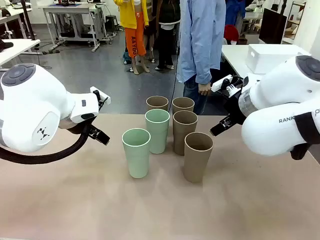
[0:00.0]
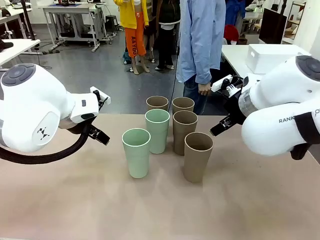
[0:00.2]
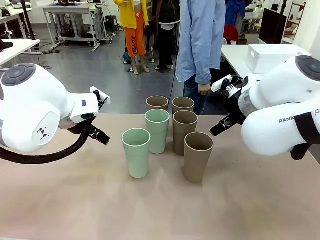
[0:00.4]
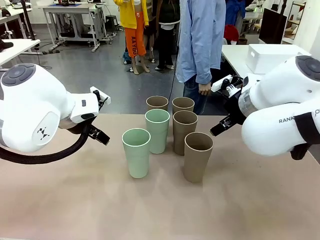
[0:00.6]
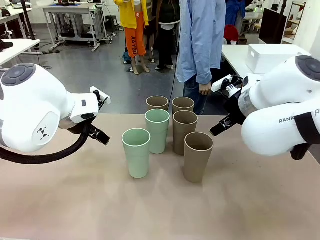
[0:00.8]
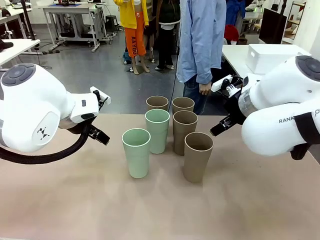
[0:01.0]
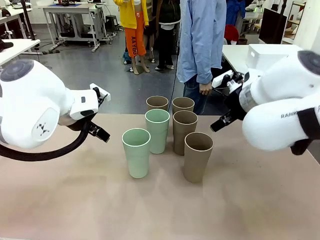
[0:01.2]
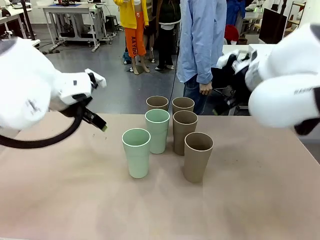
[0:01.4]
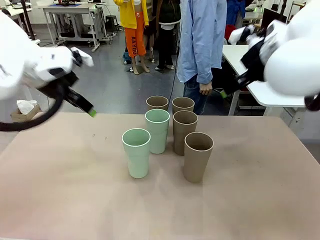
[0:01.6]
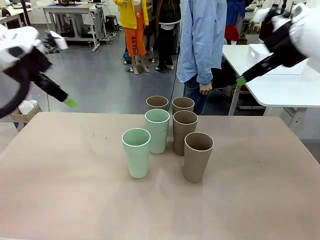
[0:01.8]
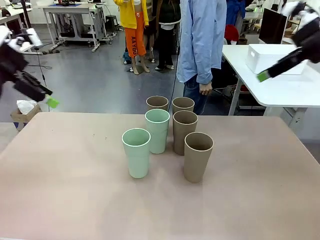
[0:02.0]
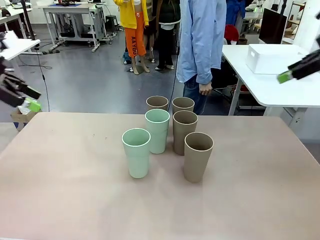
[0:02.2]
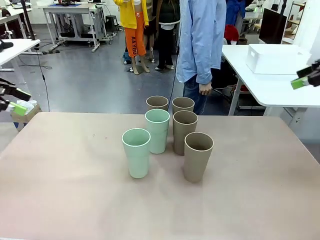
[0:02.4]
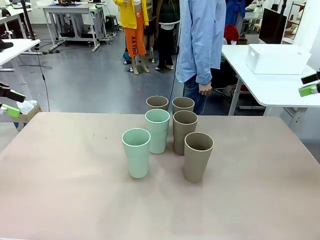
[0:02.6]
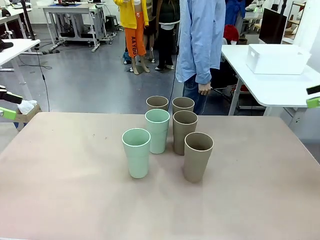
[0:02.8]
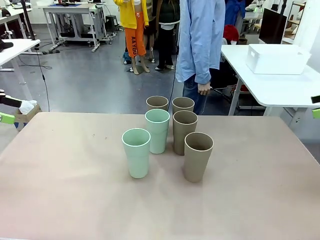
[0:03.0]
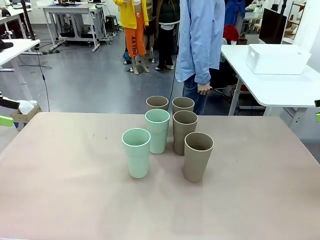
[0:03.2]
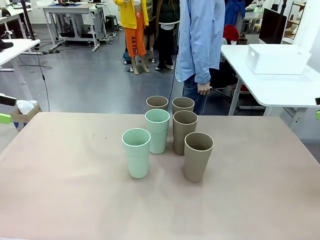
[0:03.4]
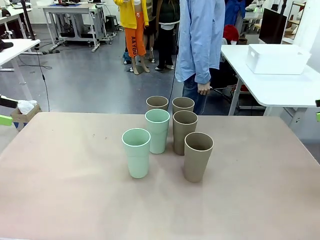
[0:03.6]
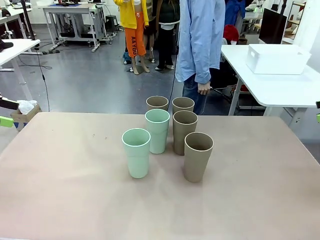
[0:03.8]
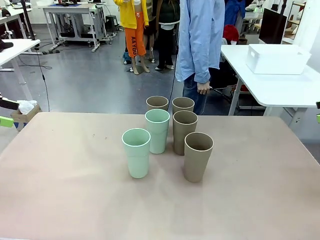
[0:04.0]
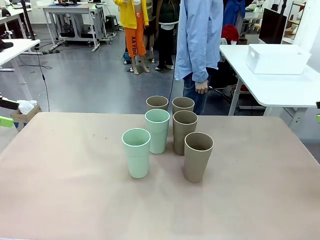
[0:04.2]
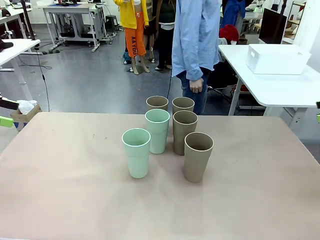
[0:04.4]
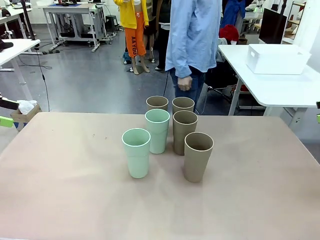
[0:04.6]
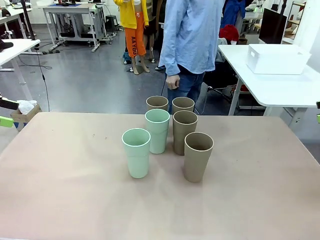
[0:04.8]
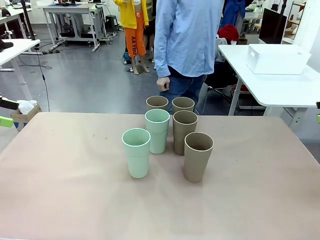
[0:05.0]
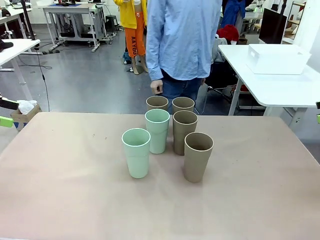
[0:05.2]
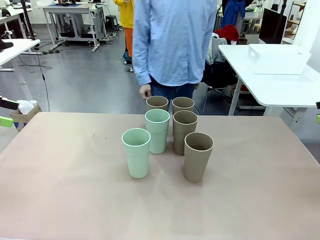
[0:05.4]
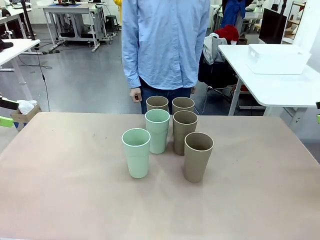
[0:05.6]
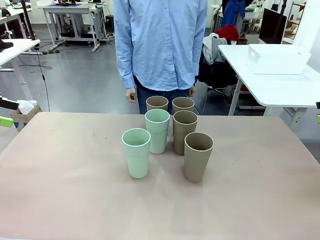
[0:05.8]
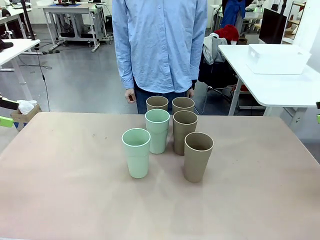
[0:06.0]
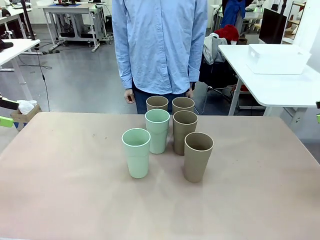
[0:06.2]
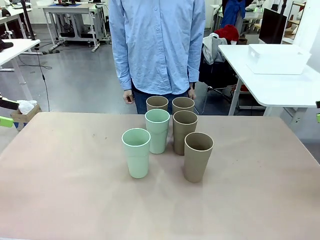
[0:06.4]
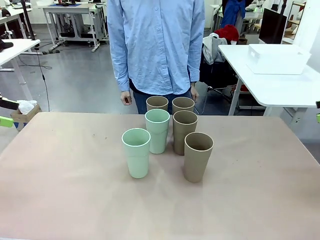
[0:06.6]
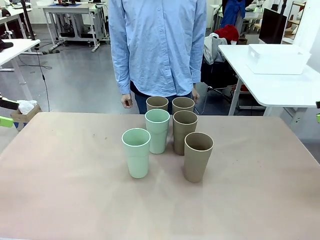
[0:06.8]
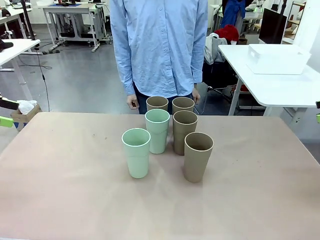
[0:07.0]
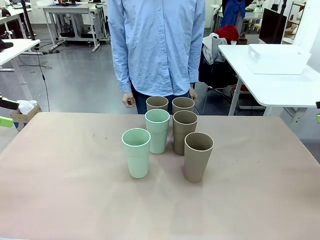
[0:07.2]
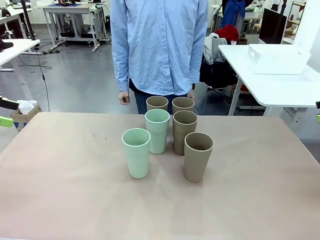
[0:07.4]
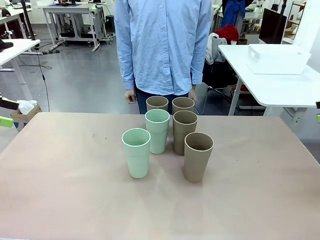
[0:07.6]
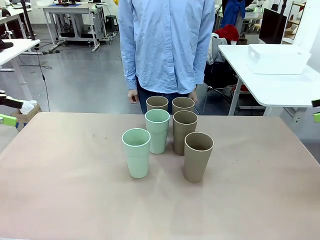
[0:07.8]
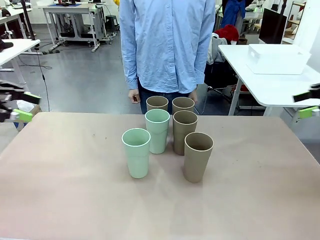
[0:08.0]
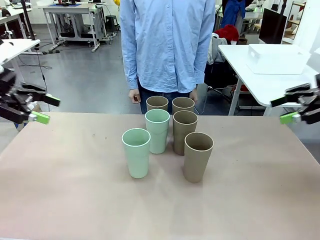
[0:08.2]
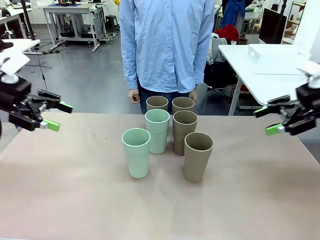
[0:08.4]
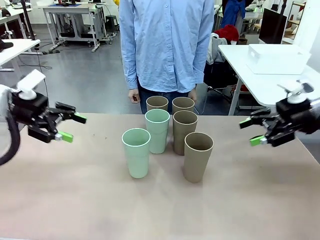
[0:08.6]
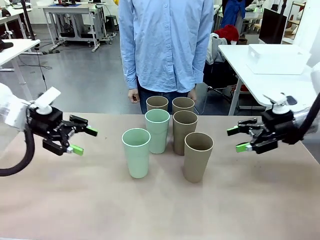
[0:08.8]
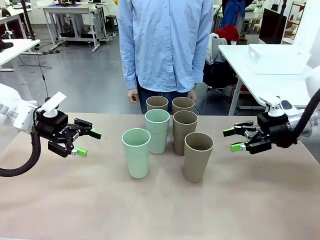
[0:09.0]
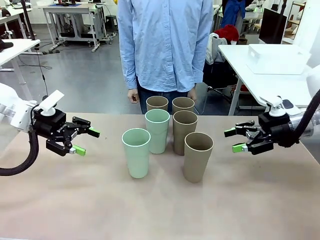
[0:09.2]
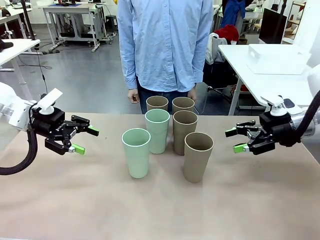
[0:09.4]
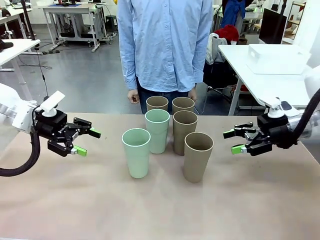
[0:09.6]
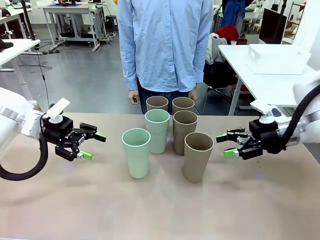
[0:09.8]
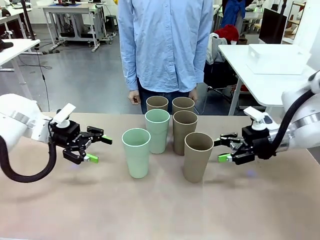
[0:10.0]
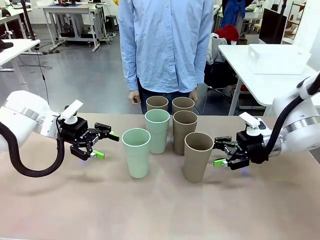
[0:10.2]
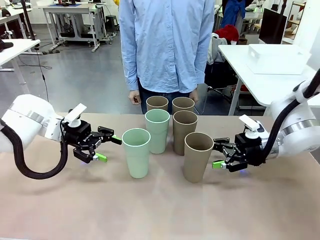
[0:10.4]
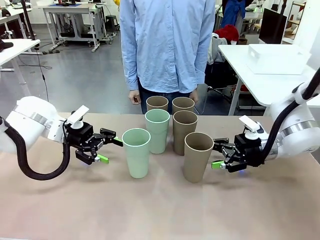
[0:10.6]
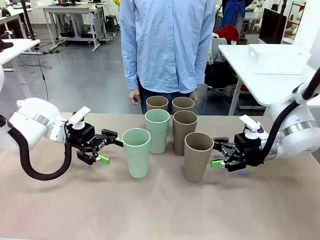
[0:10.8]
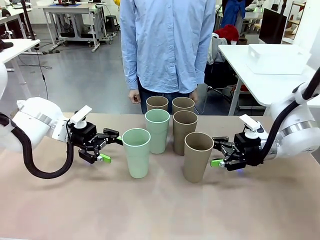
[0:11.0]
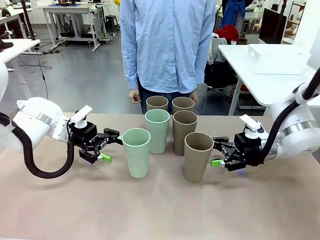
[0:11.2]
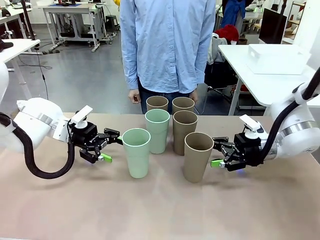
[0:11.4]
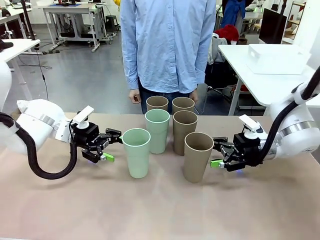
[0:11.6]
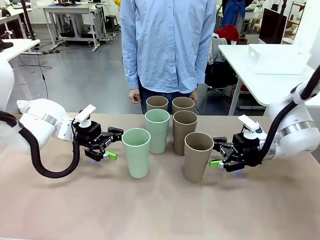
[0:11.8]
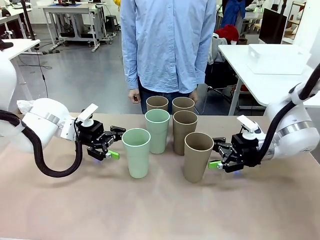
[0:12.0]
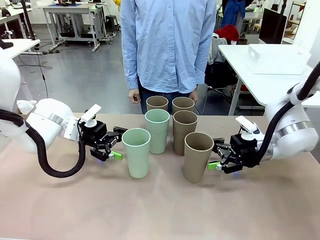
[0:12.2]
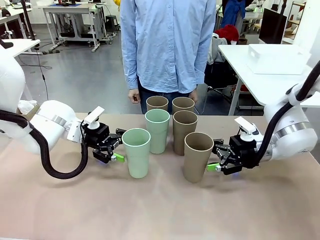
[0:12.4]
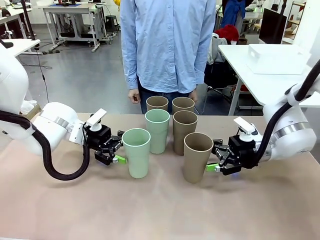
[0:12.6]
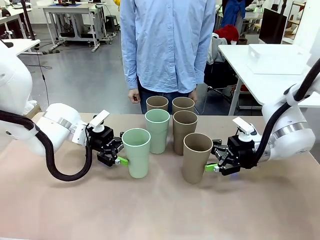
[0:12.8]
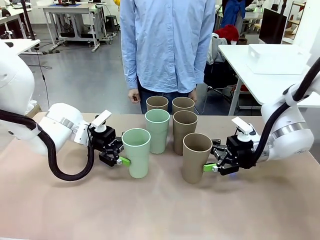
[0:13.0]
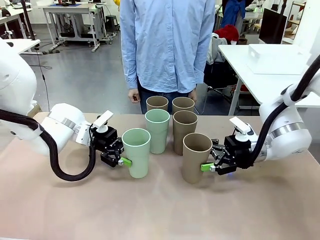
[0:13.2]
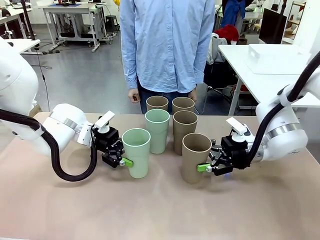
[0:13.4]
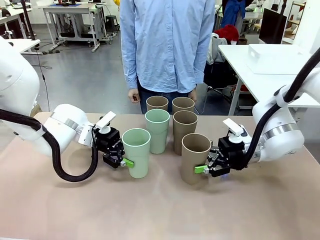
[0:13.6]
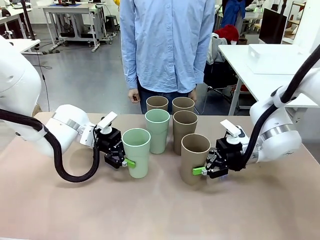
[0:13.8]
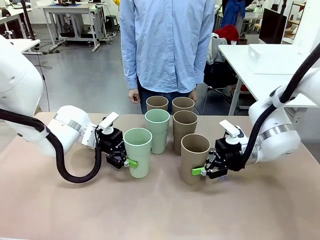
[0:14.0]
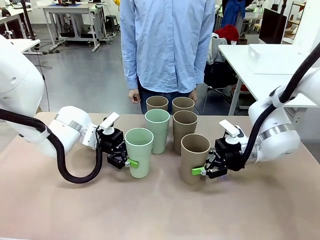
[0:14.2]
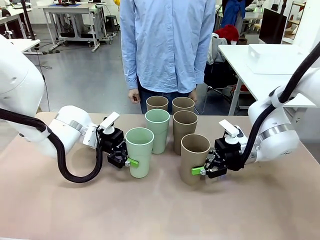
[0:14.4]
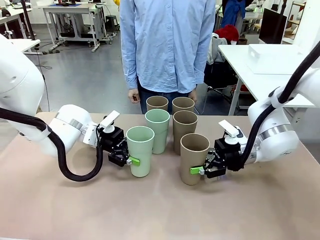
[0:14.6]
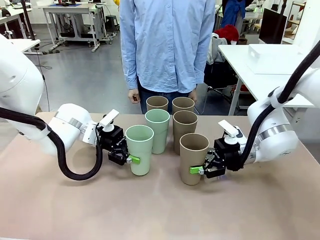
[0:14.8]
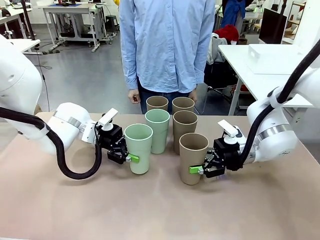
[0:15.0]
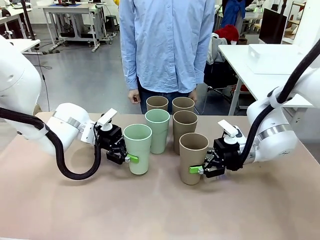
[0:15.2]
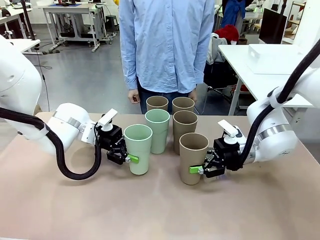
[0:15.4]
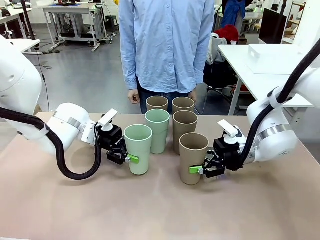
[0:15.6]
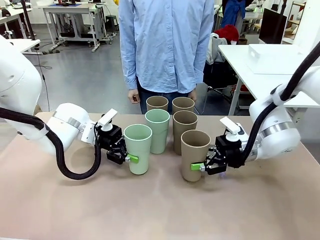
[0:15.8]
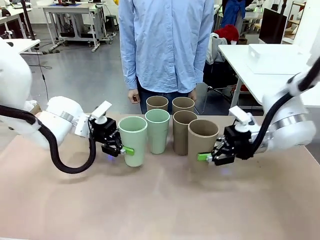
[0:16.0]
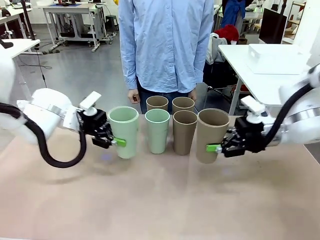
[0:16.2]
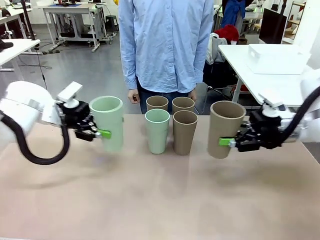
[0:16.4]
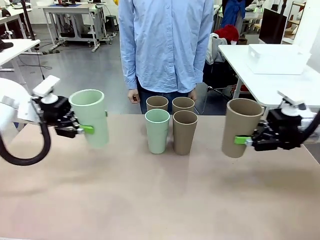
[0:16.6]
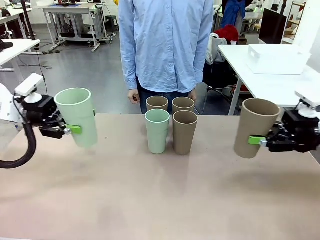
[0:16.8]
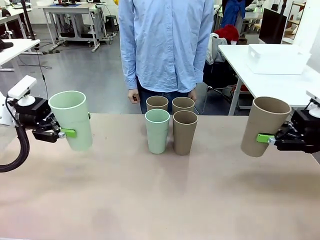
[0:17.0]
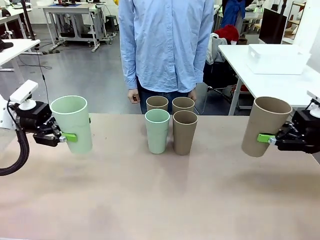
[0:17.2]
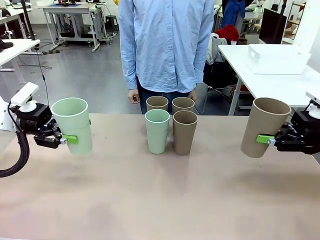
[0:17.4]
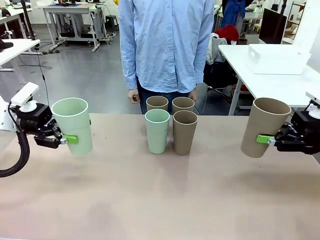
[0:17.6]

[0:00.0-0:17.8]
Task: Stack the cups and store them in the basket.
Robot: Pick up two Reusable plastic cups , one in each hand.
Person: Move from the Human Table to the front of the Robot Table. Stack two of the remaining cups on top of each cup held by the robot.
